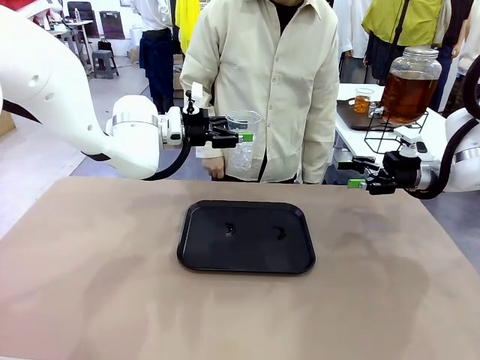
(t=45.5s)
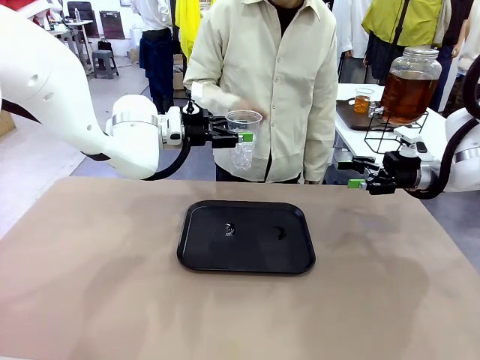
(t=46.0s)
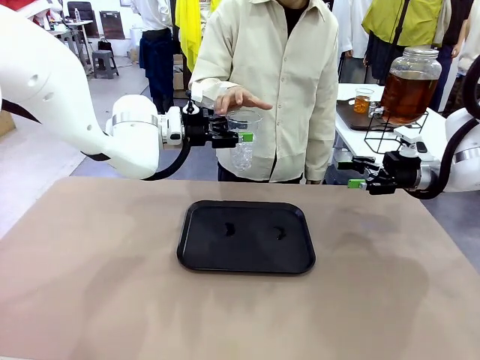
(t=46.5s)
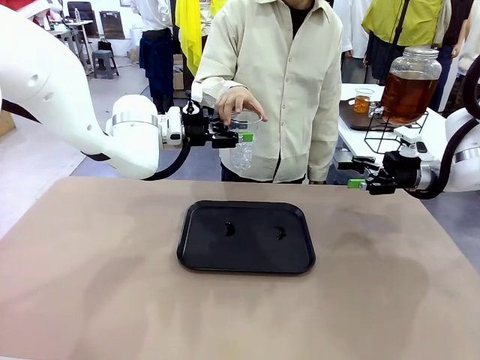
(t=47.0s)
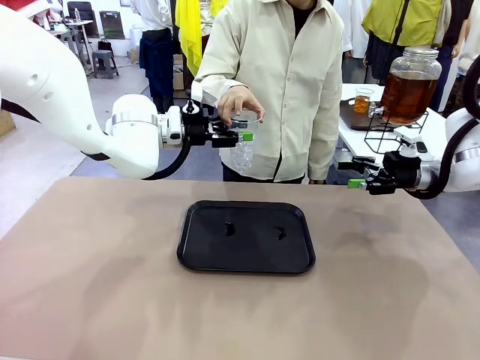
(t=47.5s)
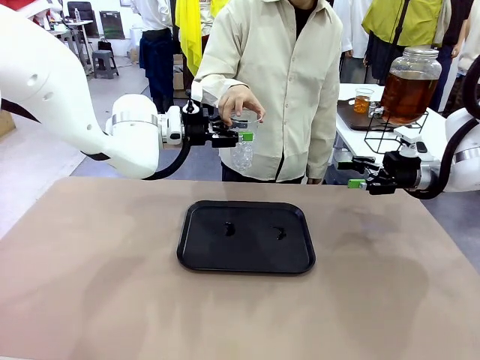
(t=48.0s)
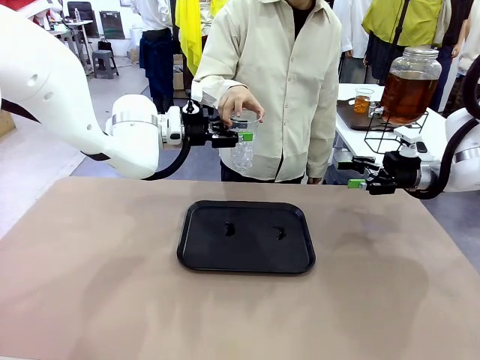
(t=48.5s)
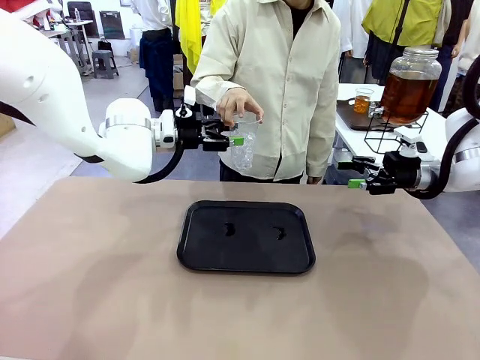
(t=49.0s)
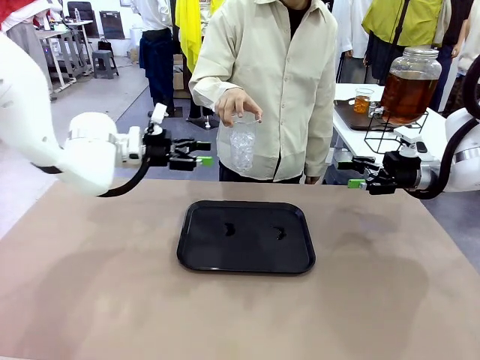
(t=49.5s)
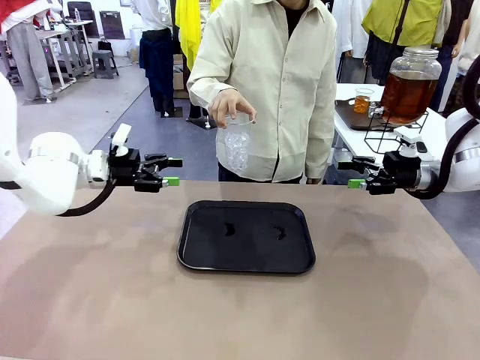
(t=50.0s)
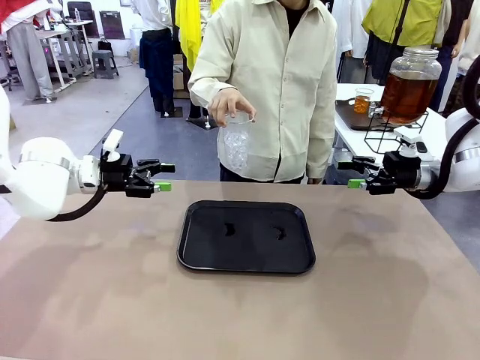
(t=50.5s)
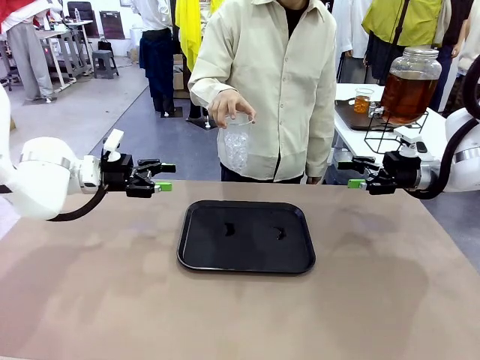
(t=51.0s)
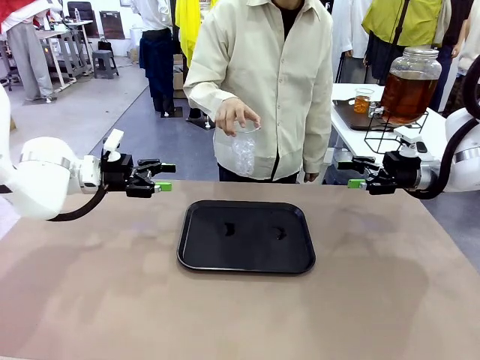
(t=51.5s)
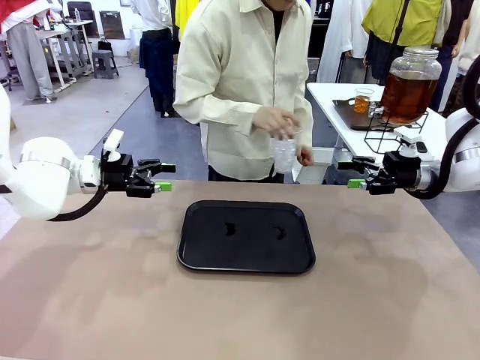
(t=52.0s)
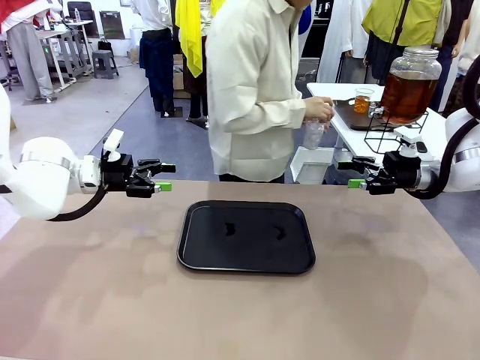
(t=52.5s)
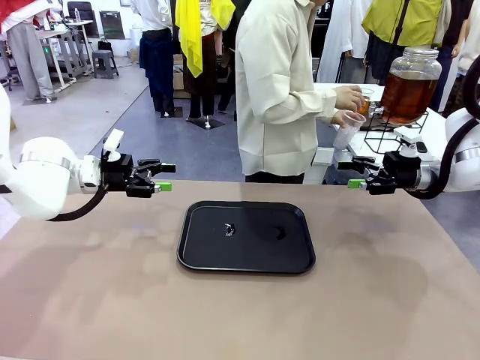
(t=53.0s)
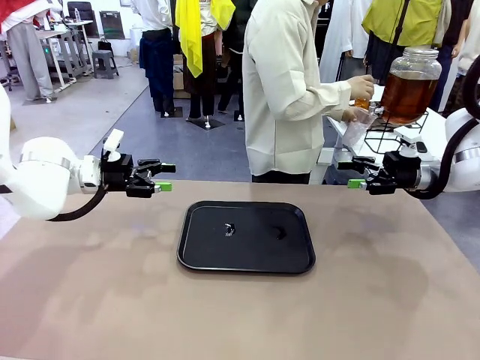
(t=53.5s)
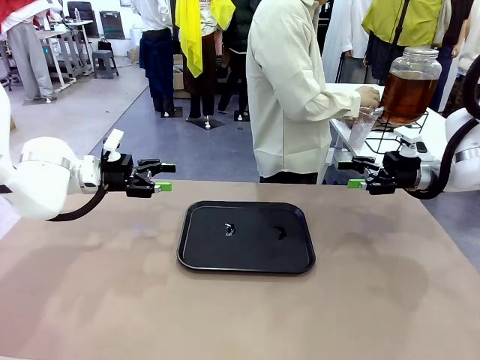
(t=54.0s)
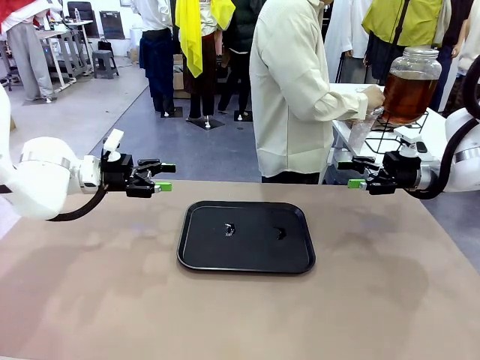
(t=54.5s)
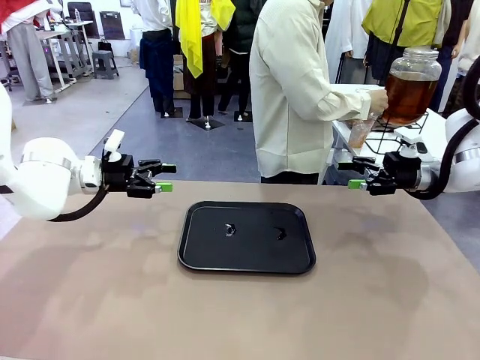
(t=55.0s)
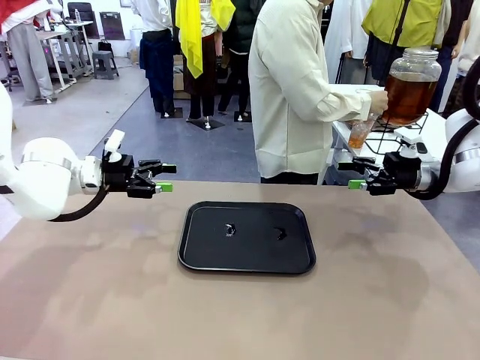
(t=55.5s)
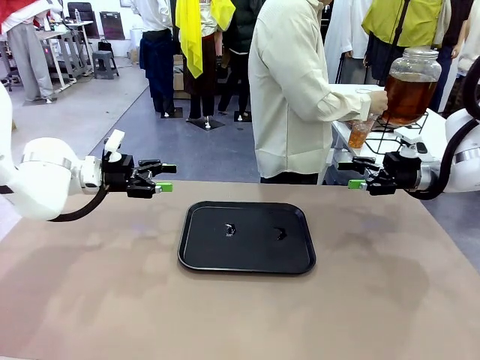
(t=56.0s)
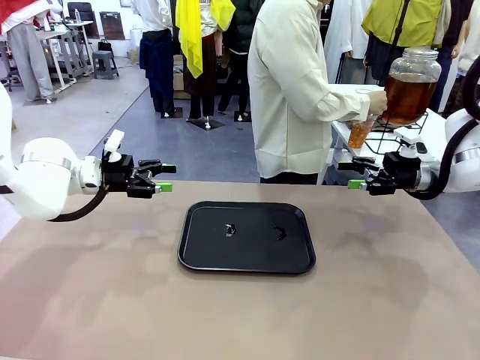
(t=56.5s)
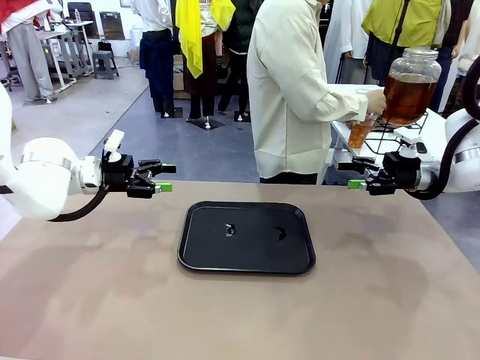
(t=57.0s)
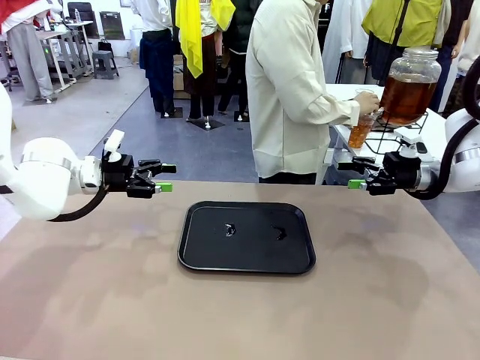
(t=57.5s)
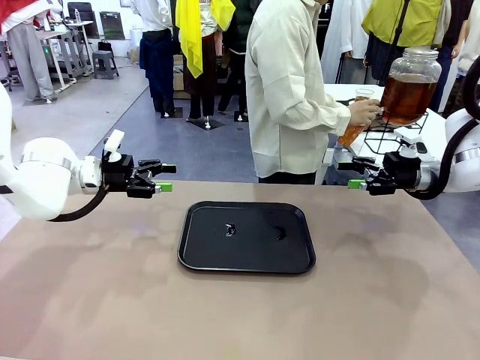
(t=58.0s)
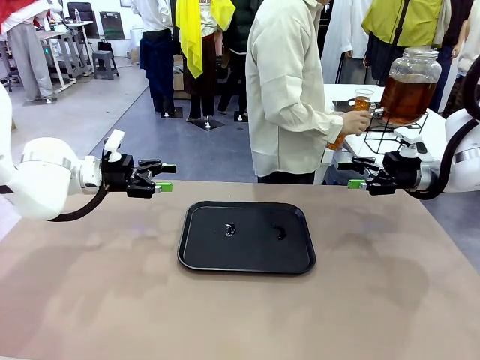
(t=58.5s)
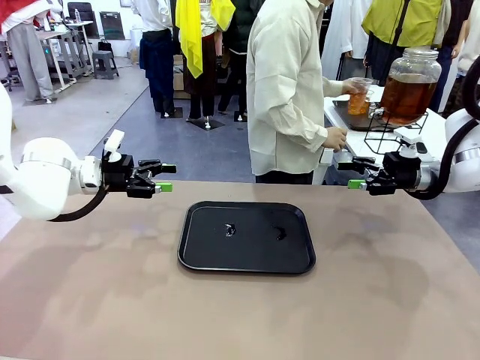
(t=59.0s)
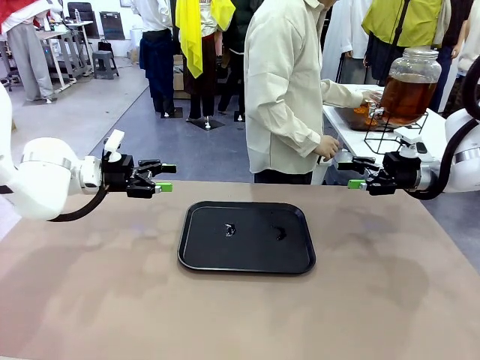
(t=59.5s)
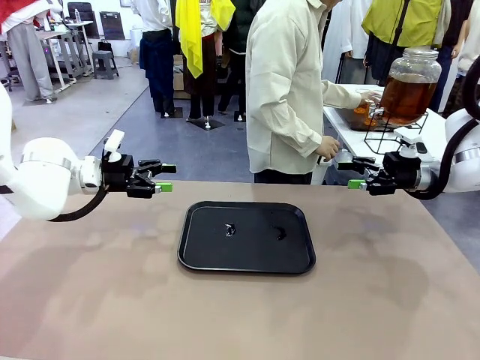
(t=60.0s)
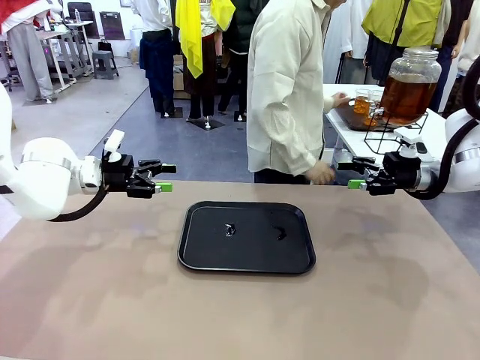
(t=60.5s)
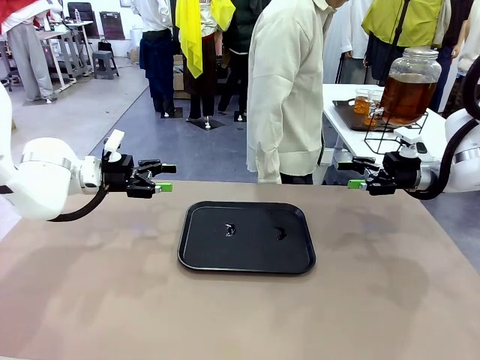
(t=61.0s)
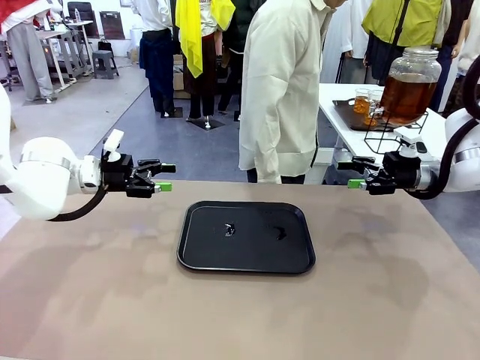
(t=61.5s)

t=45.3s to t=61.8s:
Task: Pour the drink into the iced cup.
Robot: Open the gripper to release the iced cup you were holding.
Person: Move the picked-up cup under the dispenser faucet, pour the drink, and place it on the tray on the human table.
